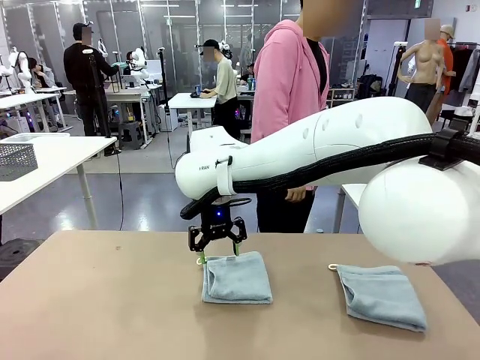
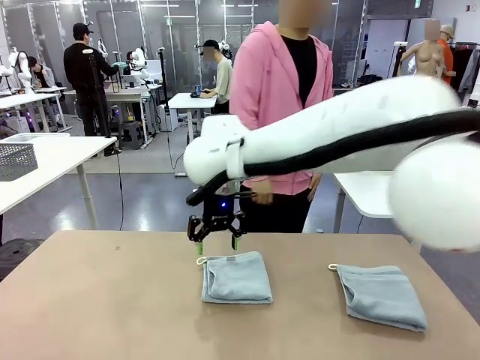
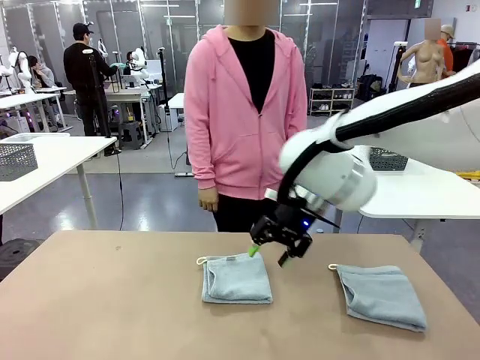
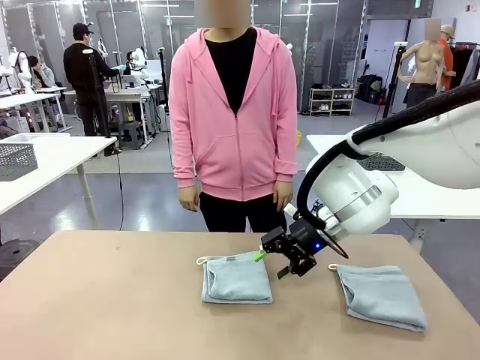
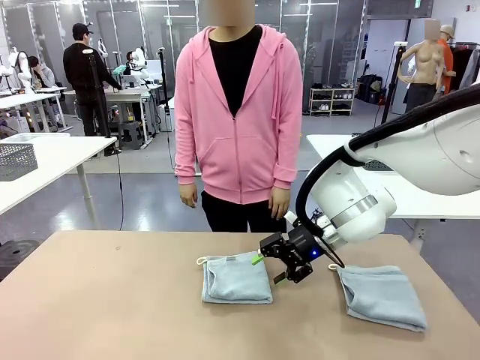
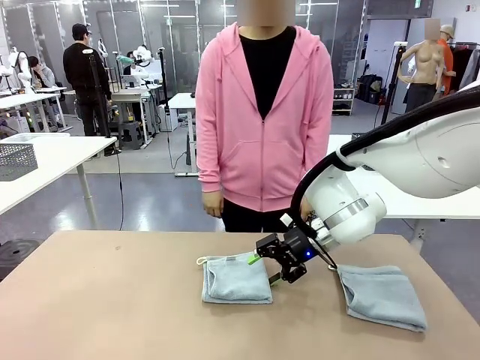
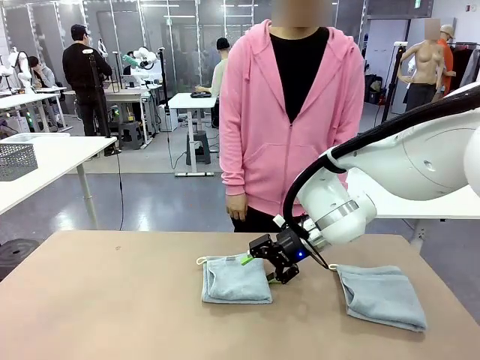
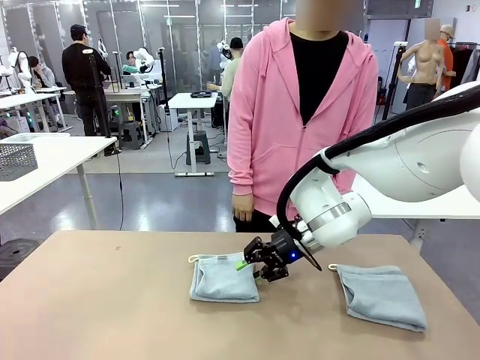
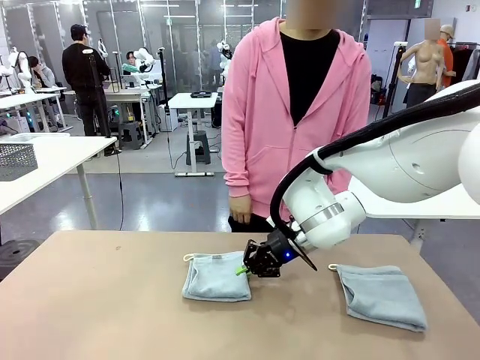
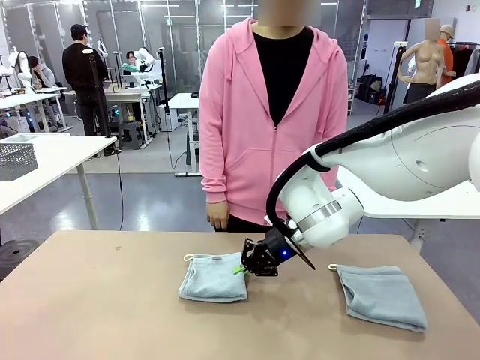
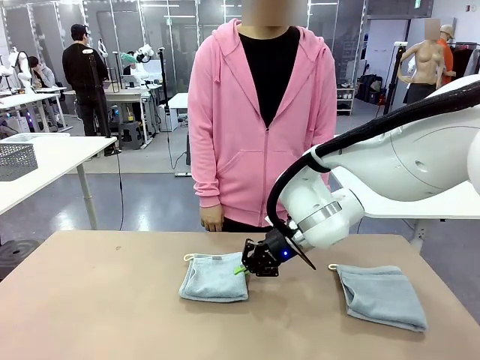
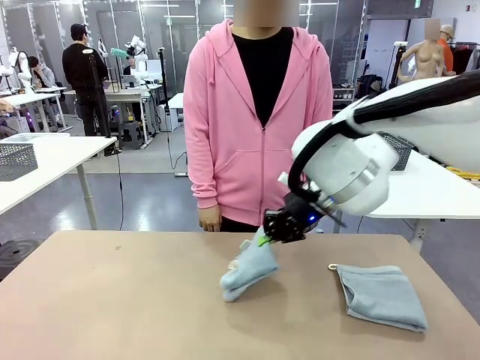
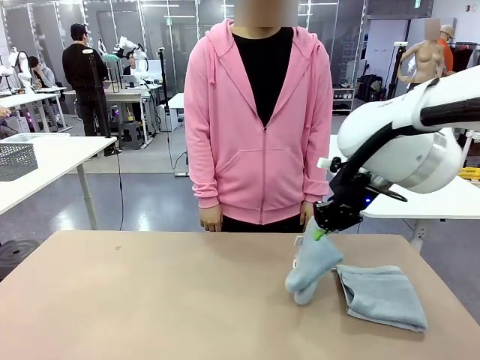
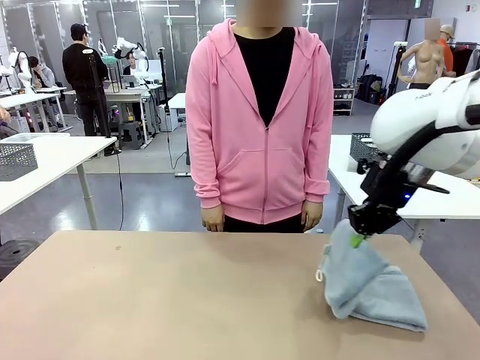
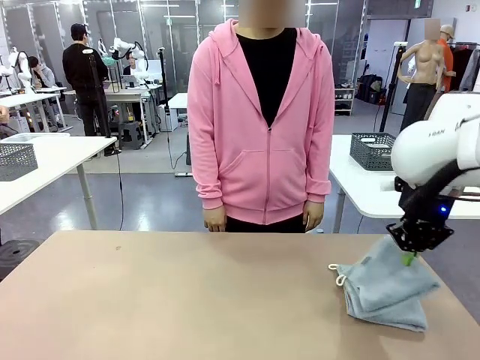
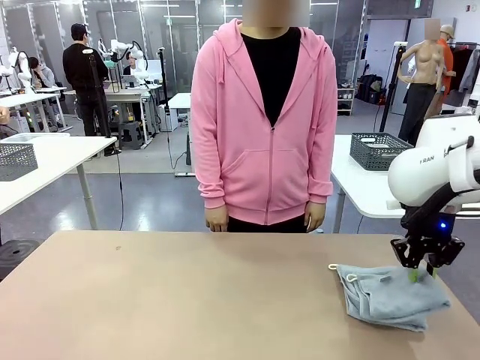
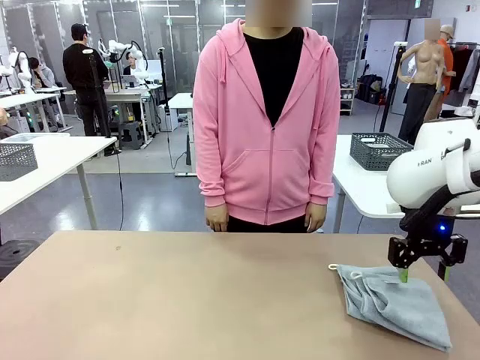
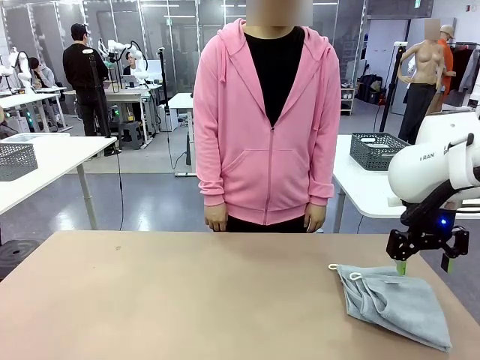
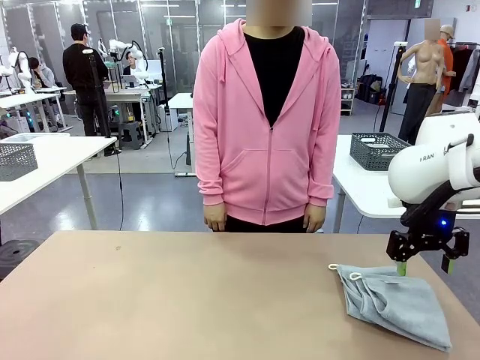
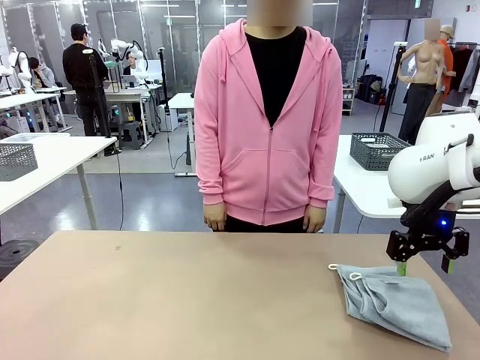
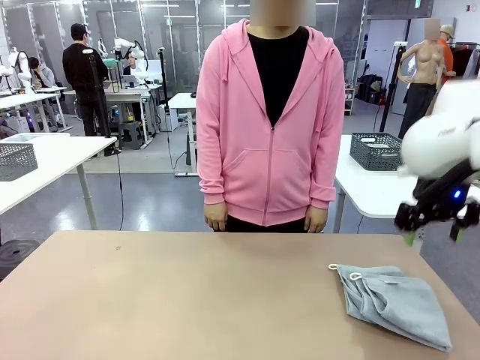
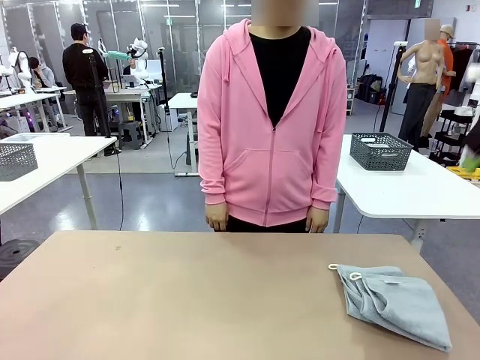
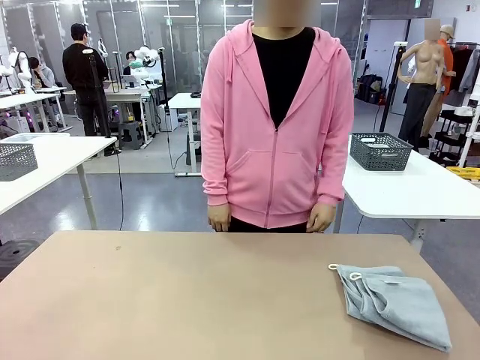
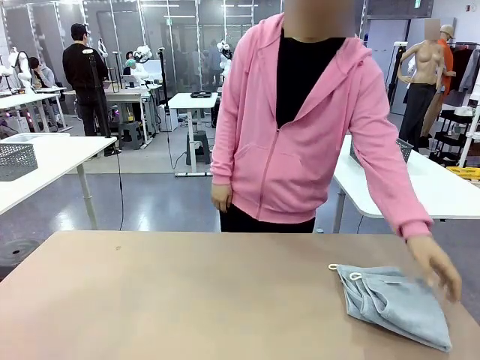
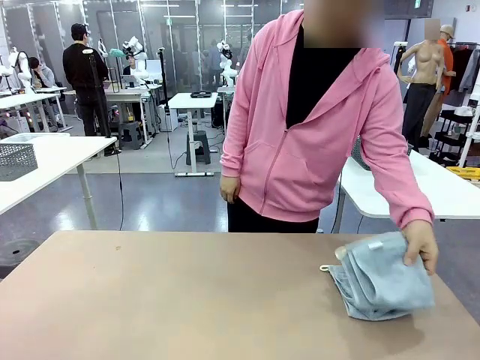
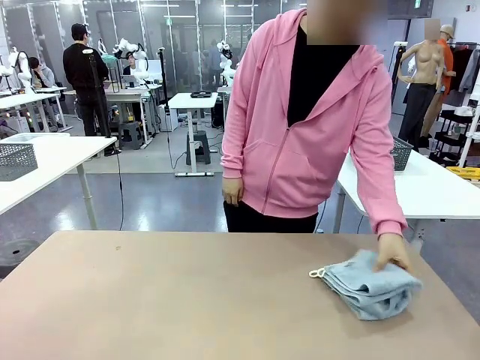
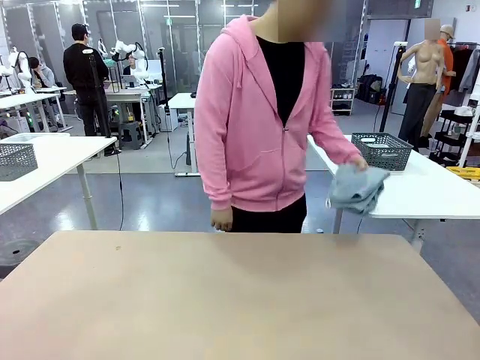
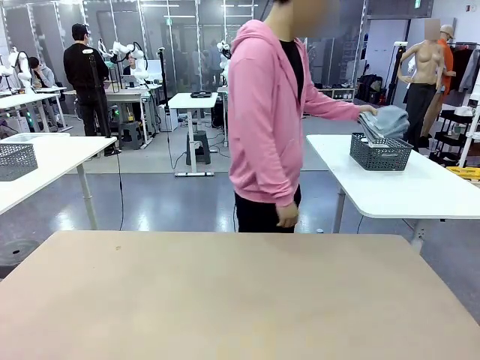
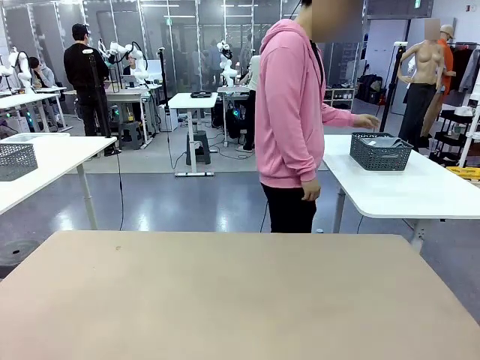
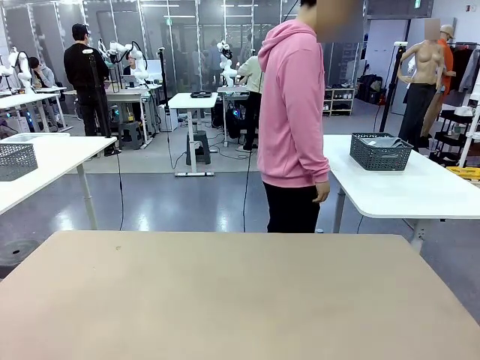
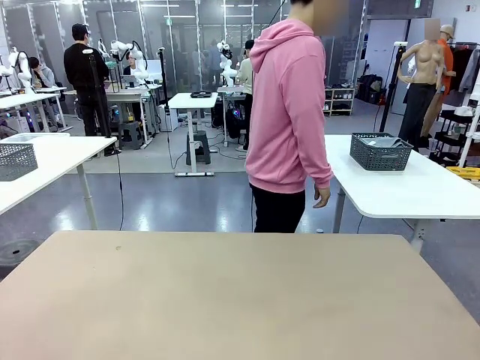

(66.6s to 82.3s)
Task: Fold the towels and place them in the basket.
Robot: Stack the folded Towel with hook on the right side of the table.
Person: Pick up the stack of towels from the robot table and place it into the basket.

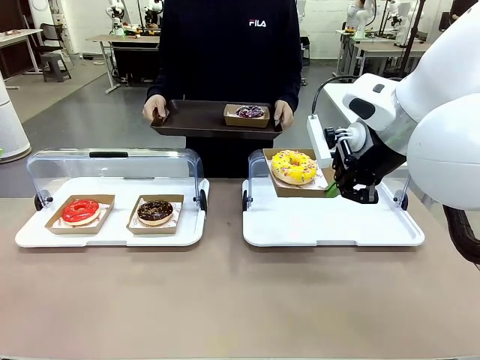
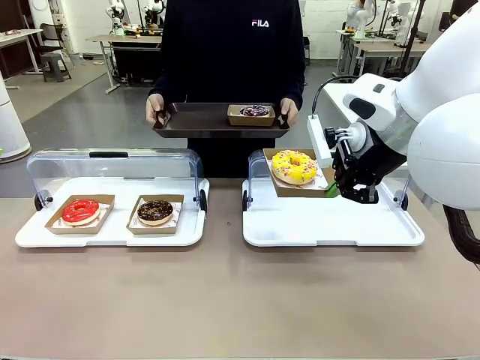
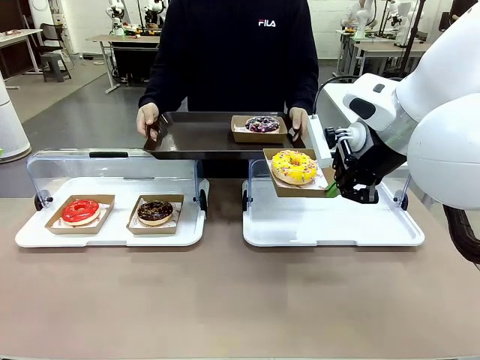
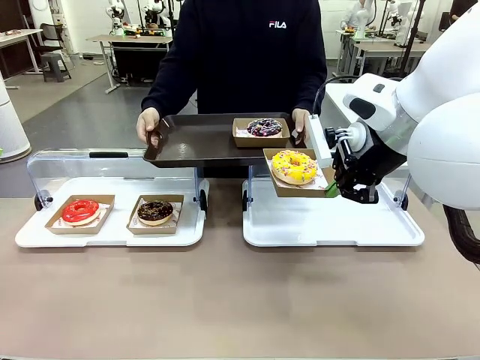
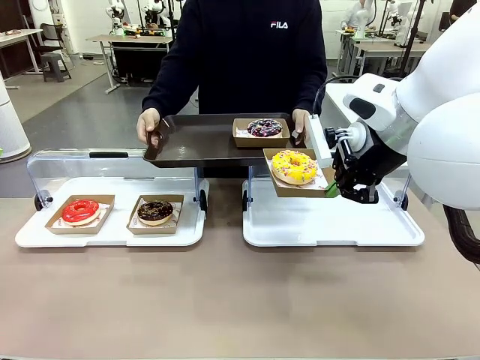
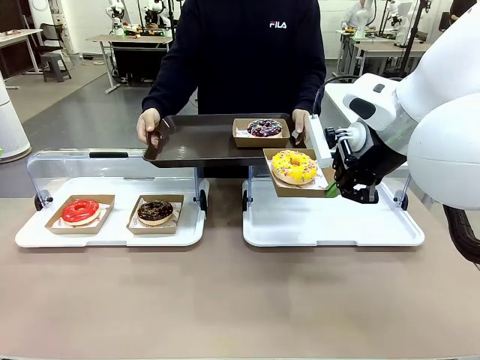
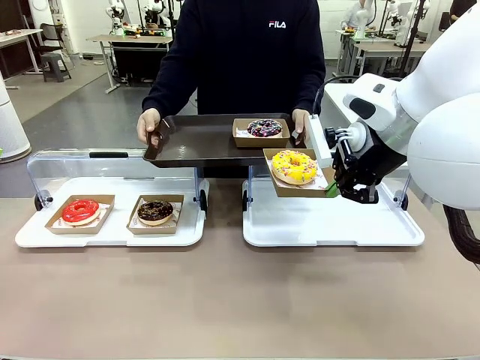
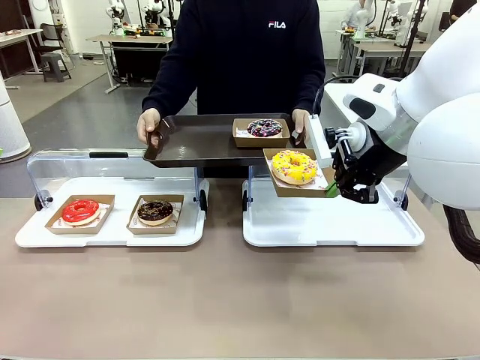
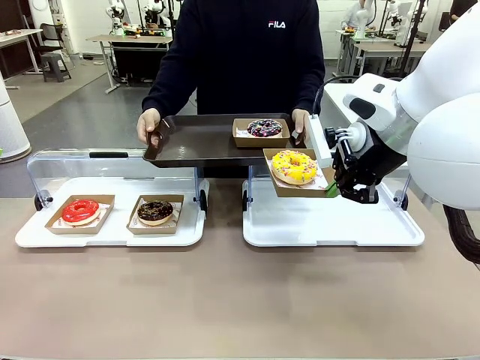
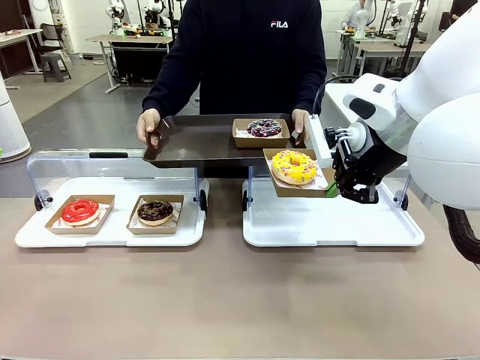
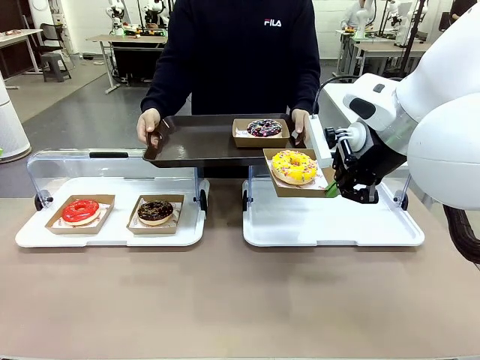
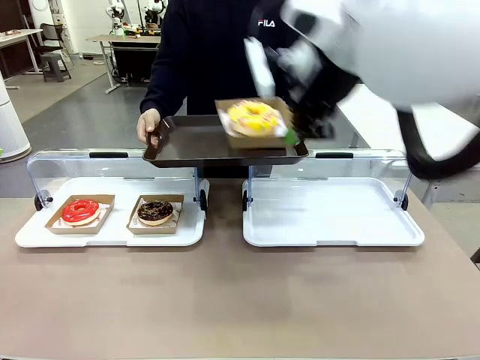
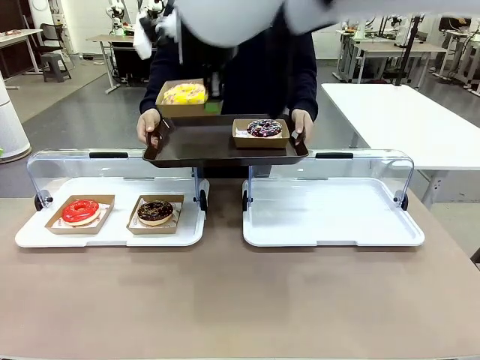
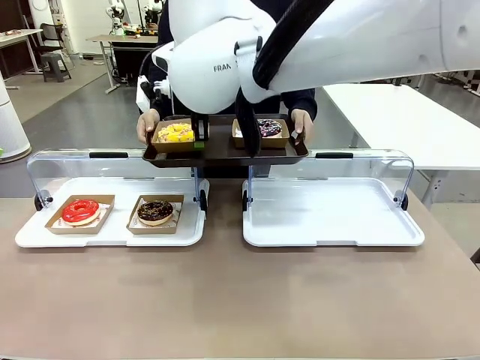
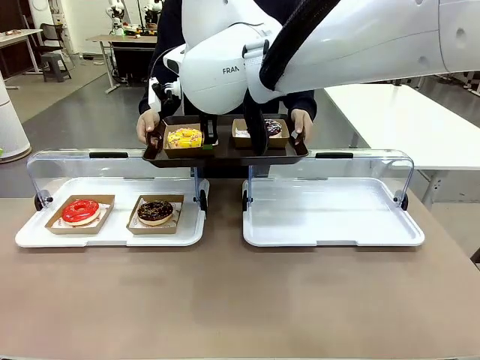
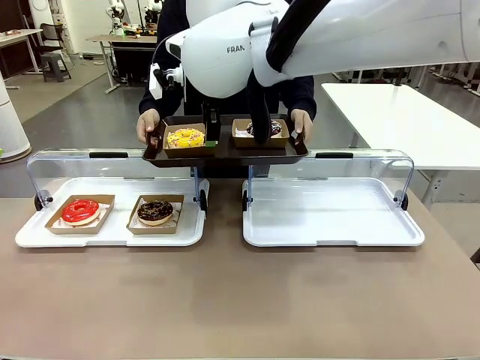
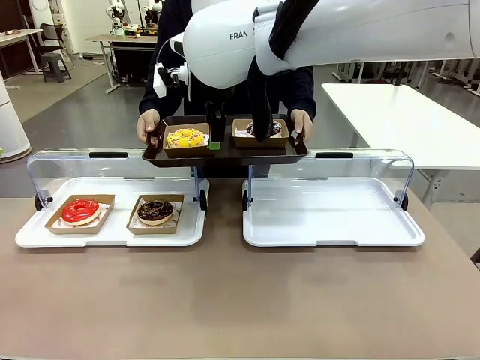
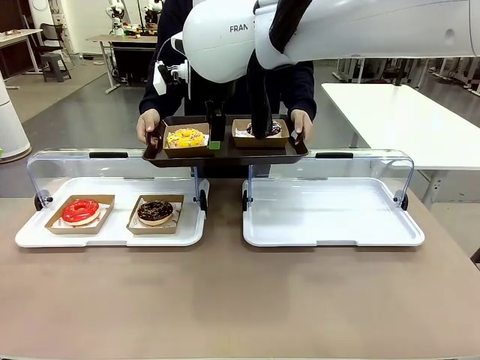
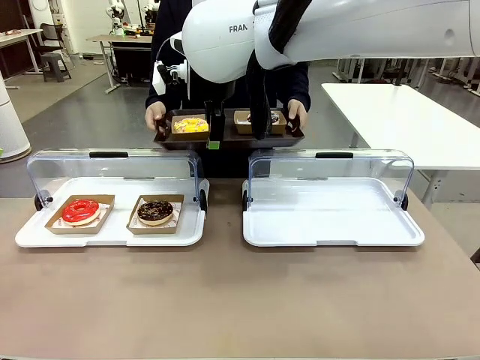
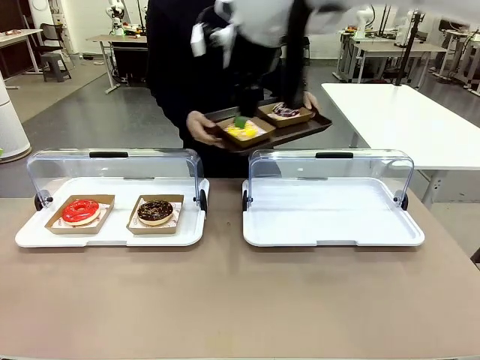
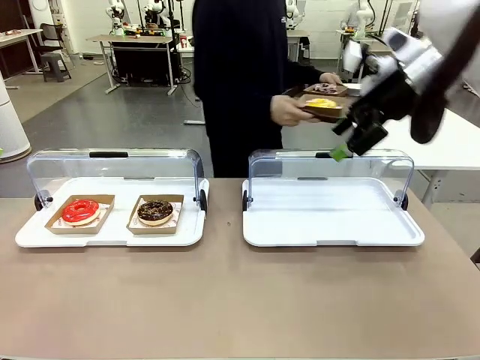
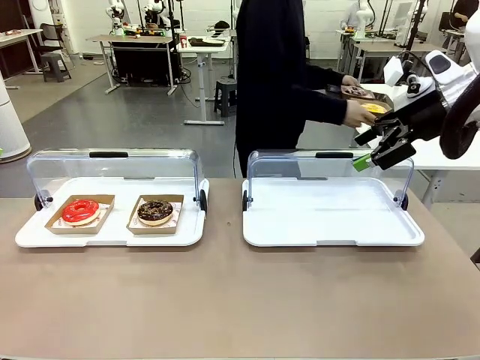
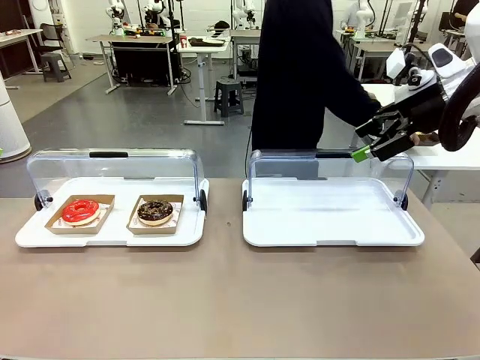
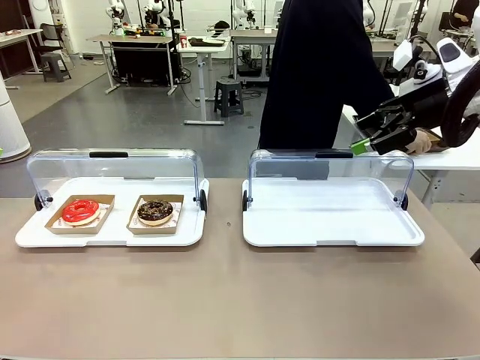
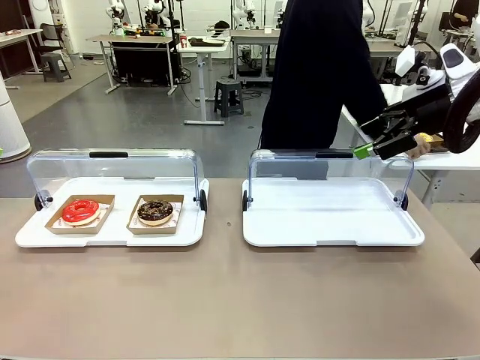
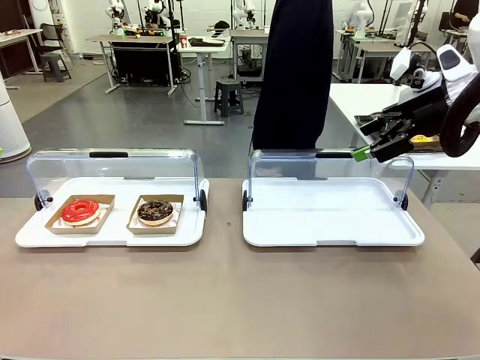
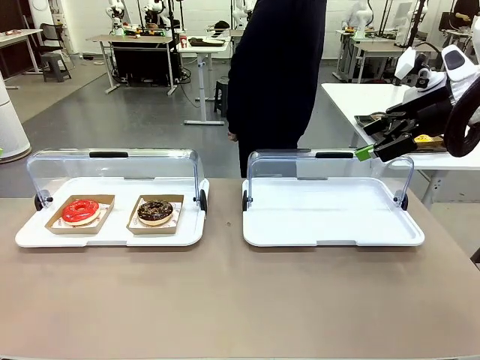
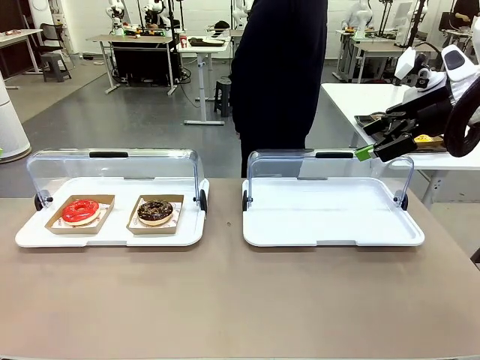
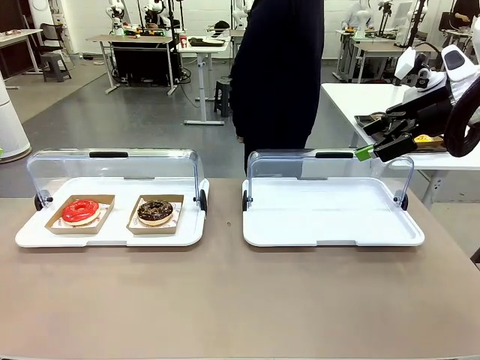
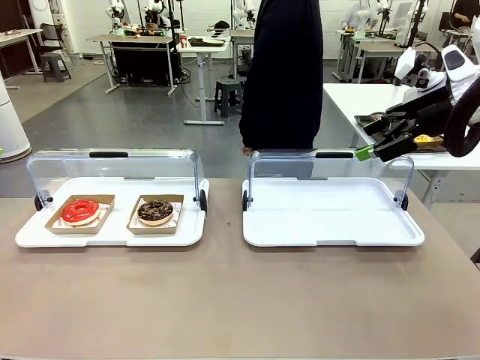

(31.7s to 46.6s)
Task: Provide the desired donut to the person.
Robot: Place the picked Paper togo box onto the Handle tray extended by the person.
Person: Place the tray in the middle of the human table.
